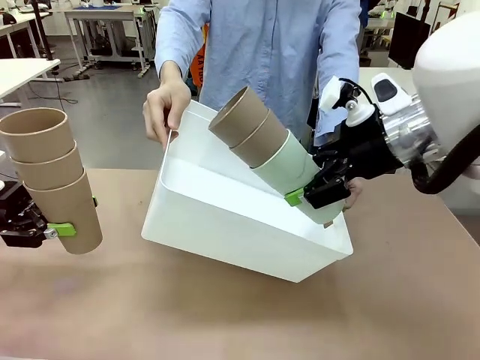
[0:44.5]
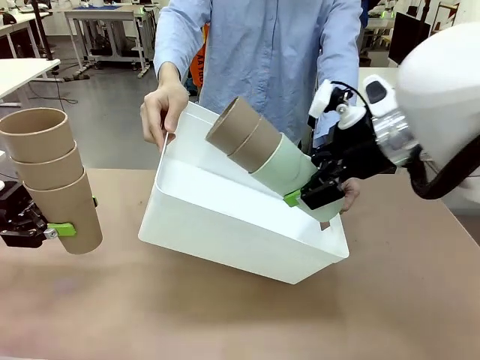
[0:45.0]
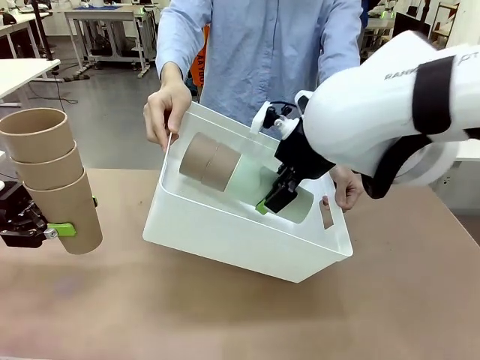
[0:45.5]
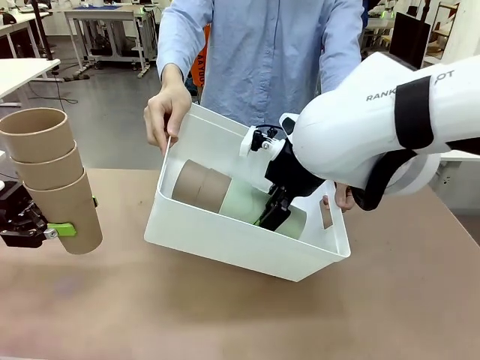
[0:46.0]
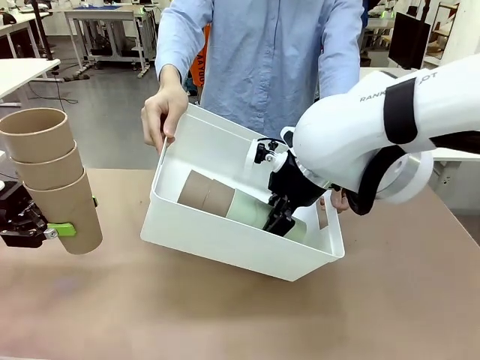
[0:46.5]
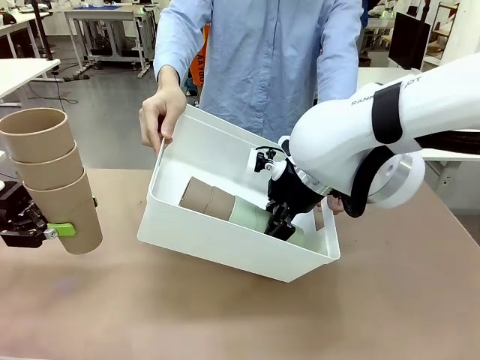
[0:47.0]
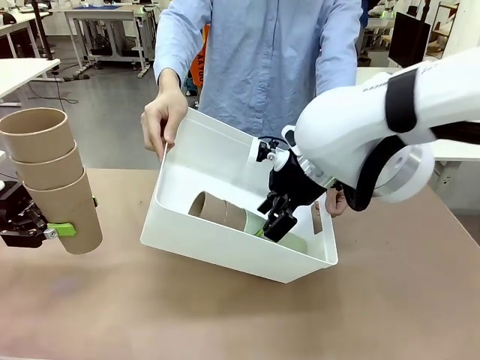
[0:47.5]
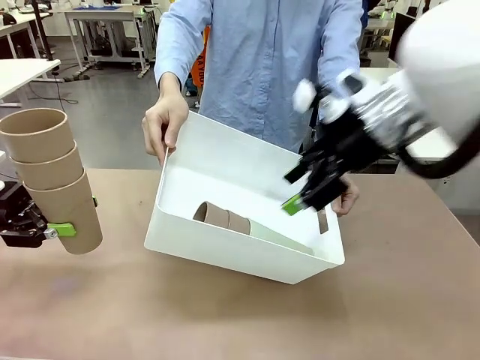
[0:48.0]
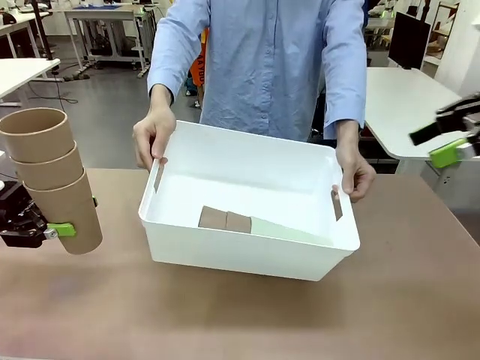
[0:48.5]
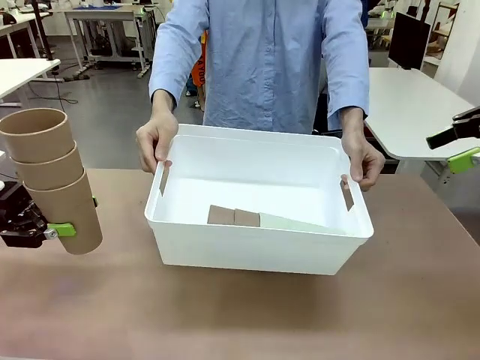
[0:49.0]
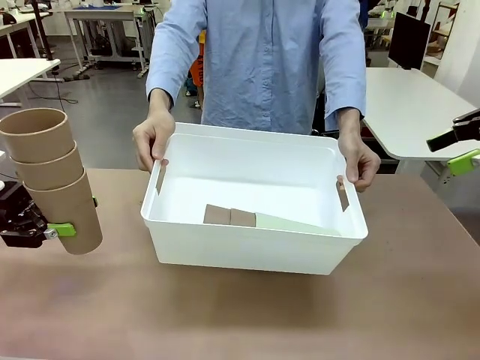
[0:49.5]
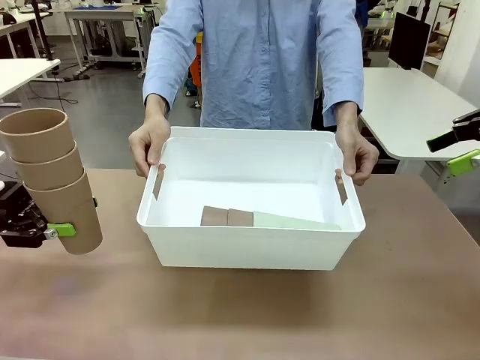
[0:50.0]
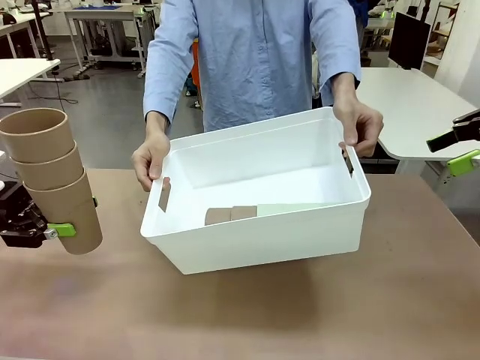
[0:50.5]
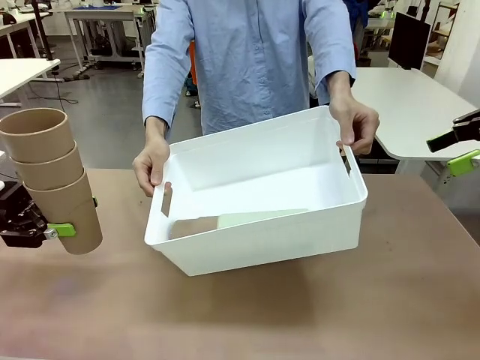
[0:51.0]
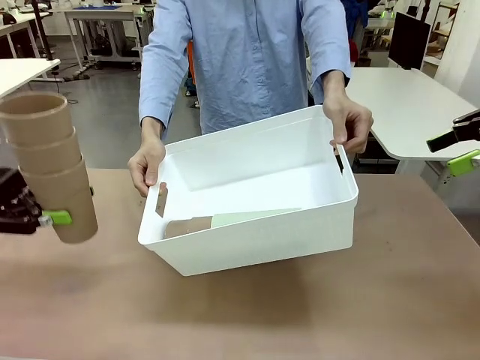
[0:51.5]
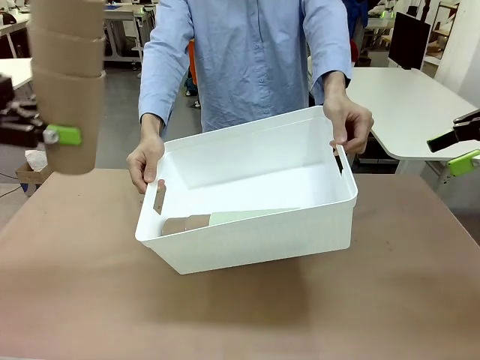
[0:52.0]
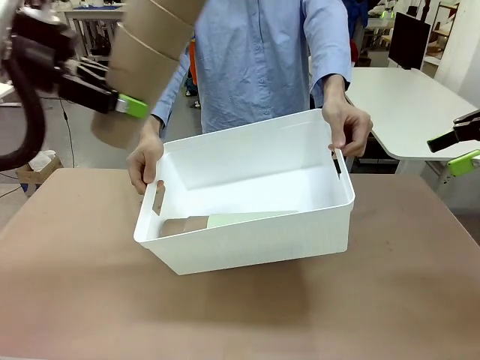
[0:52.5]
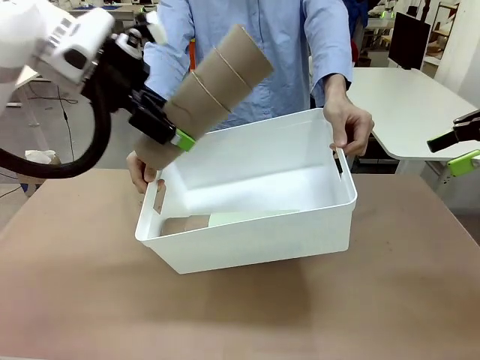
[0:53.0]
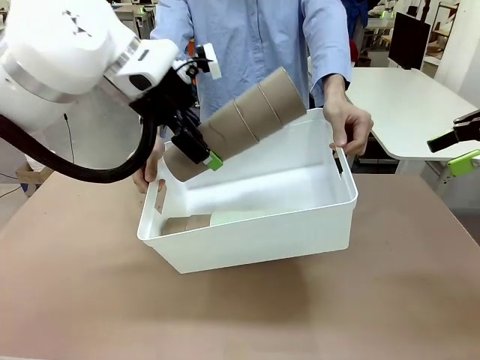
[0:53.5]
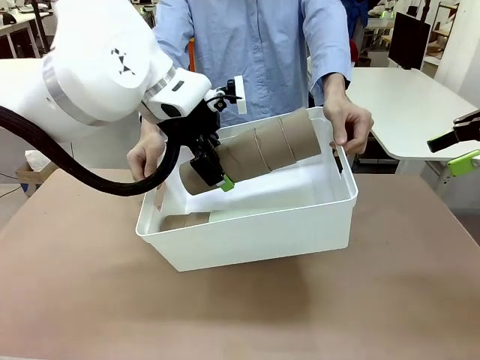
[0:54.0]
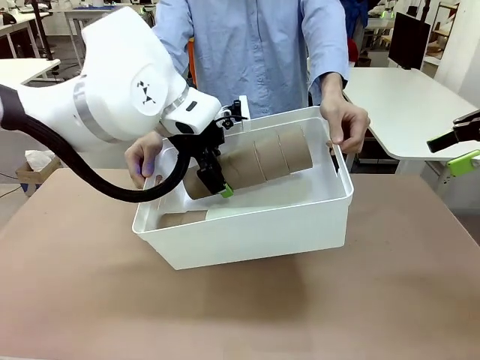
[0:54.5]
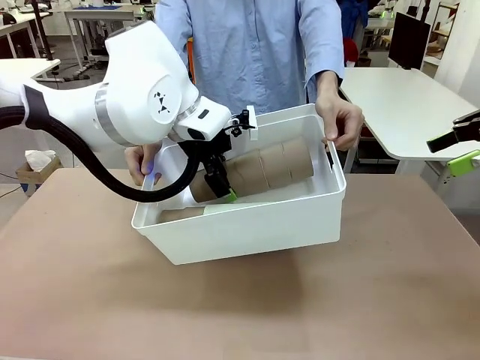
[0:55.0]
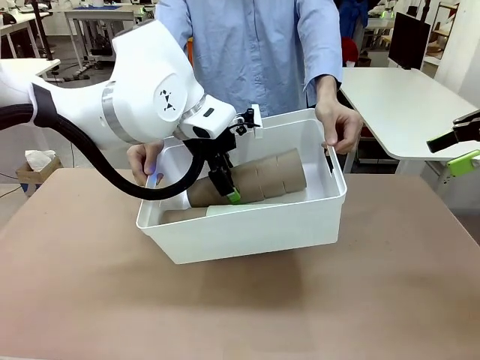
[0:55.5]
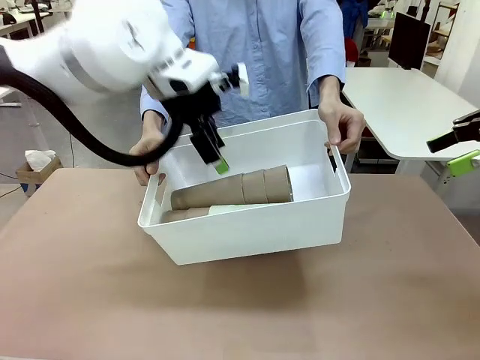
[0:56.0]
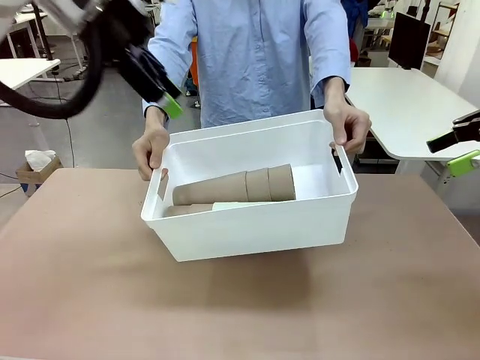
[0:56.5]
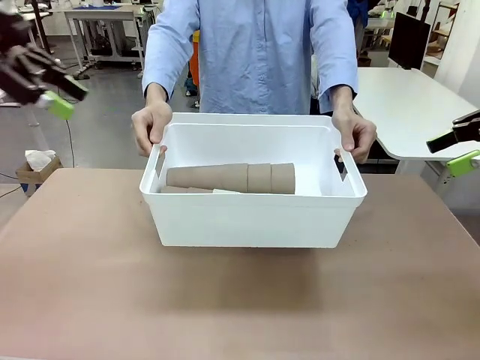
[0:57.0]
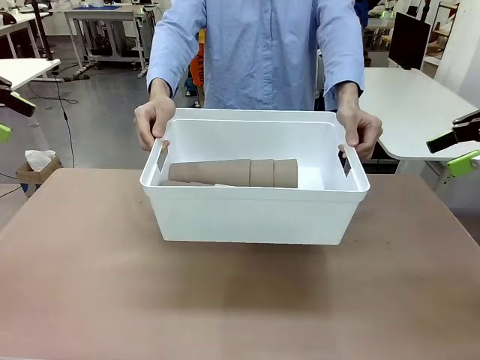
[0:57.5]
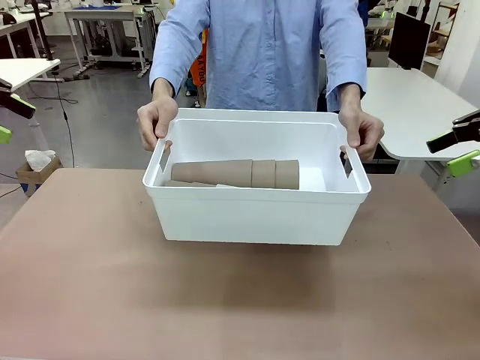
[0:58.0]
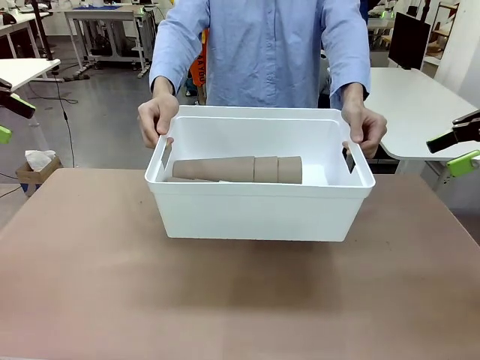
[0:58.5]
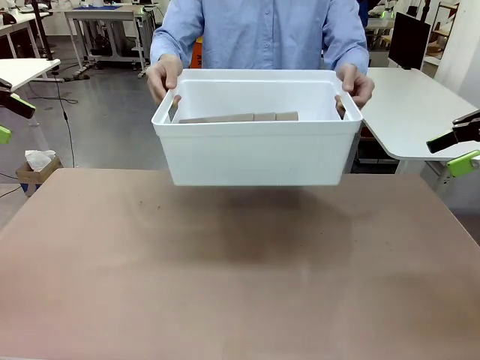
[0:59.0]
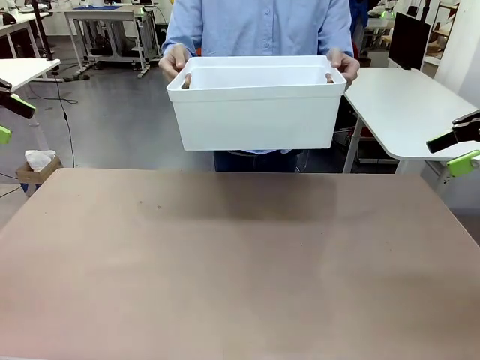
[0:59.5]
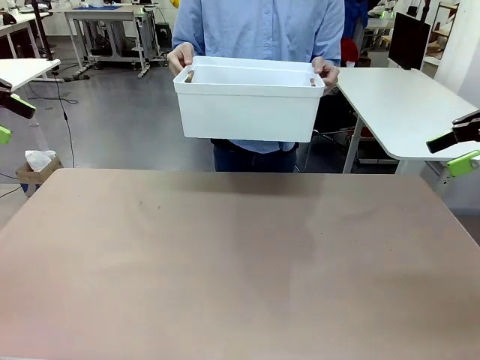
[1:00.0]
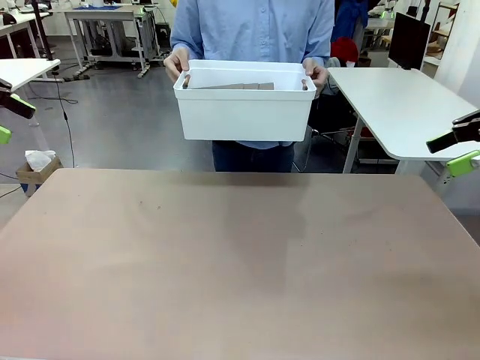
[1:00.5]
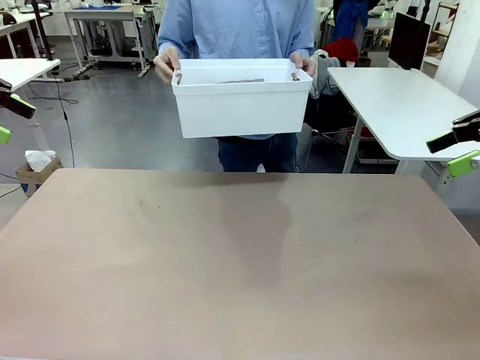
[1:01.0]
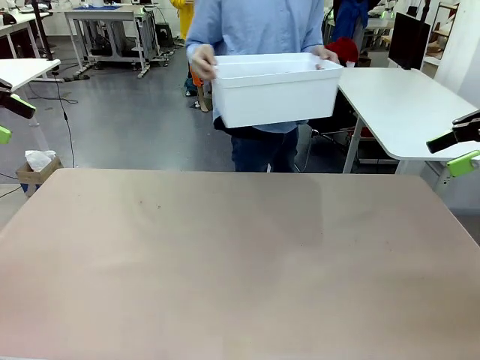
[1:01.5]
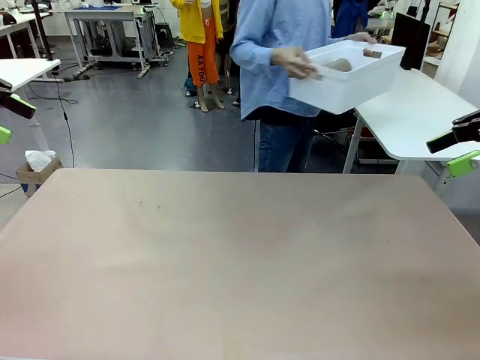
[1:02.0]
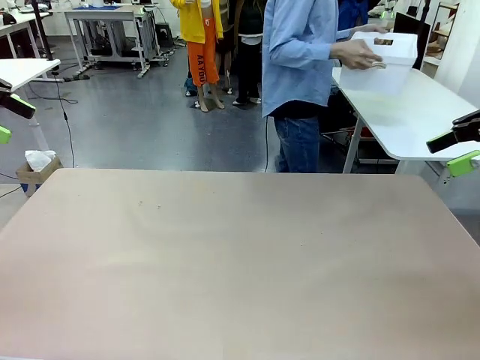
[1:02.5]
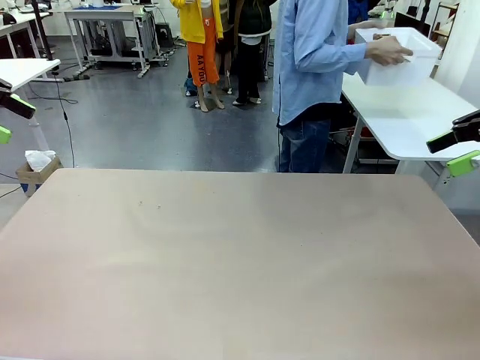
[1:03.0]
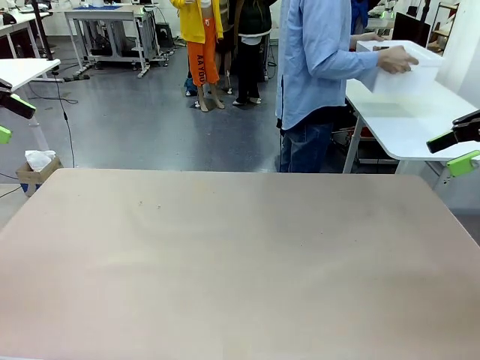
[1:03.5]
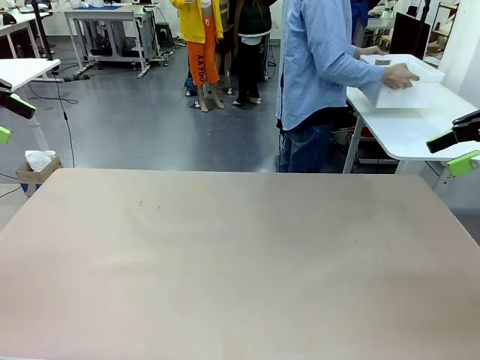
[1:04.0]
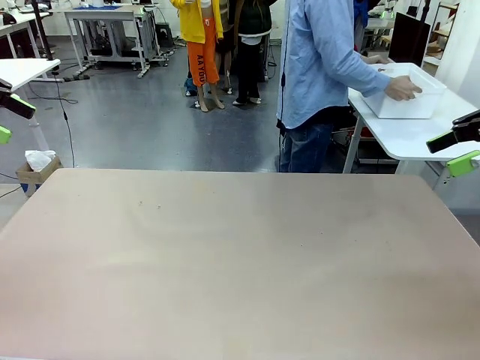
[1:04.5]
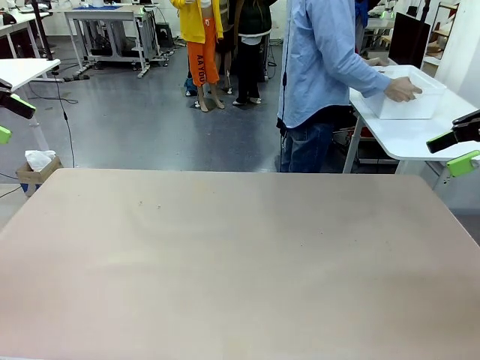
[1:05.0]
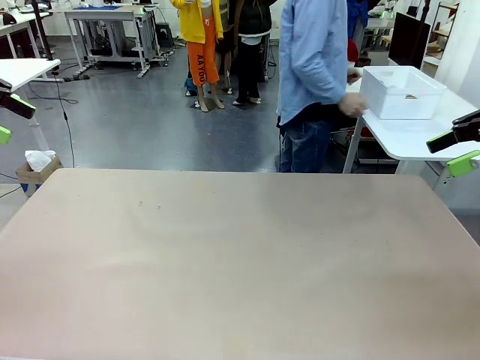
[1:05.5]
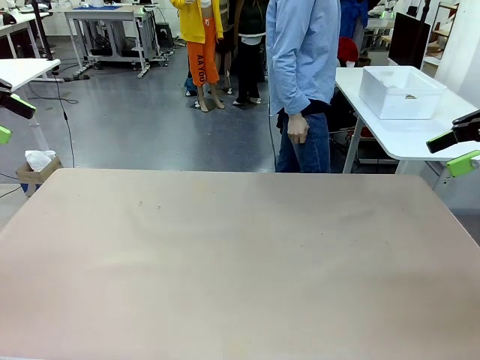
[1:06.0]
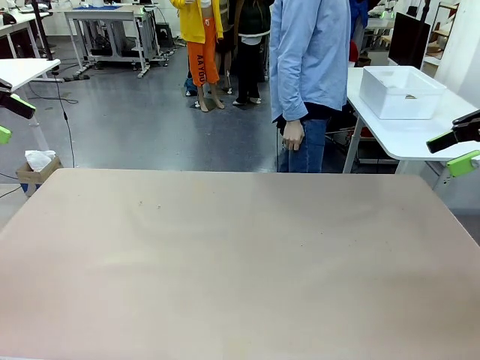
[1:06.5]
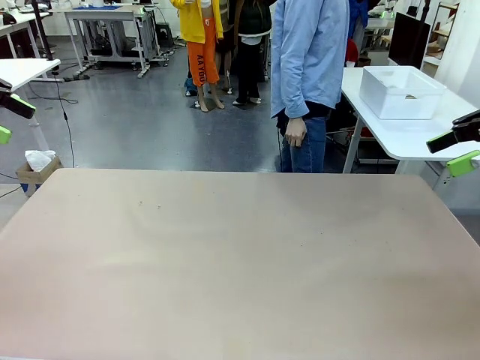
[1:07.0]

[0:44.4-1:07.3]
Task: Stack the cups and store them in the basket.
Robot: Place the stack of Reusable plastic cups into the Pantry Basket.
Person: Place the basket containing the cups in the middle of the Human Table.
